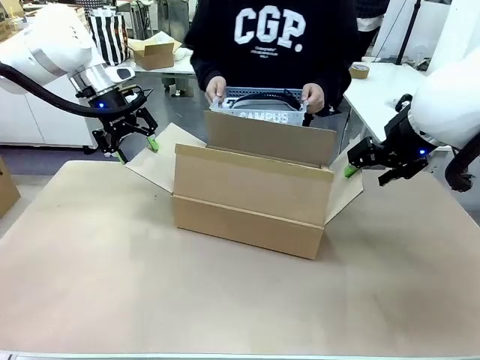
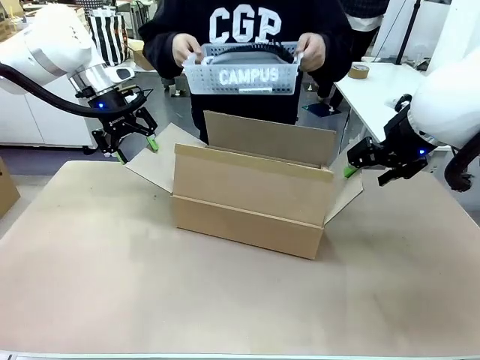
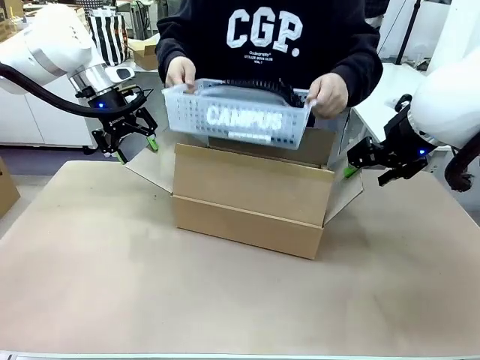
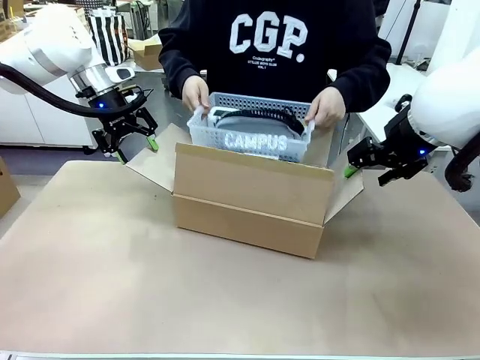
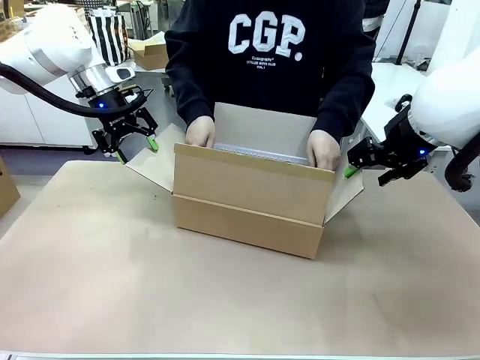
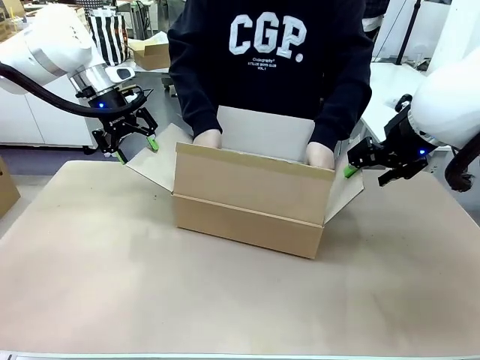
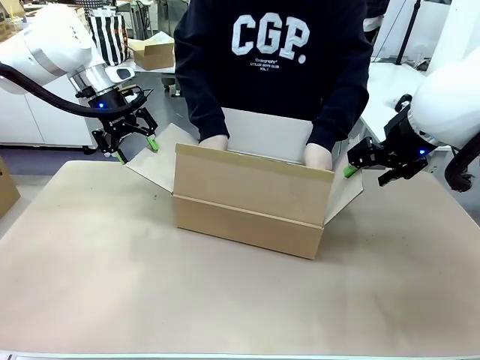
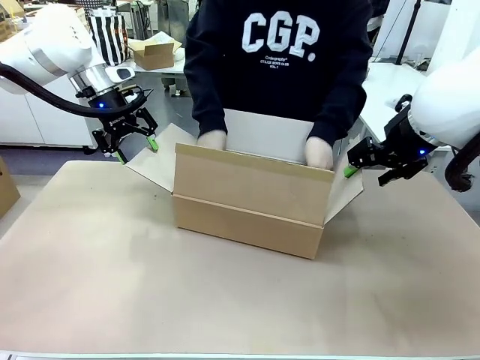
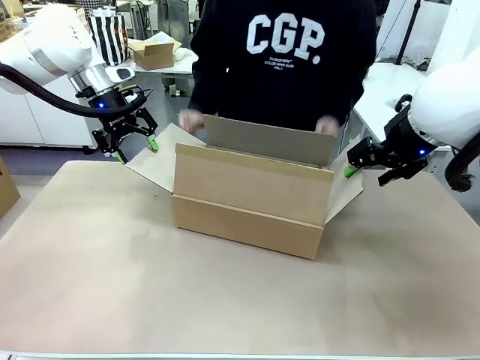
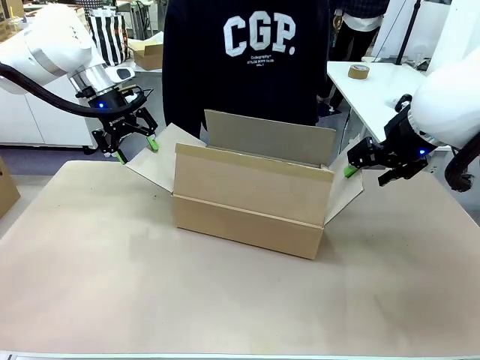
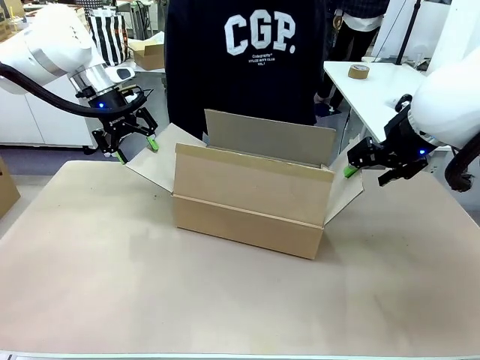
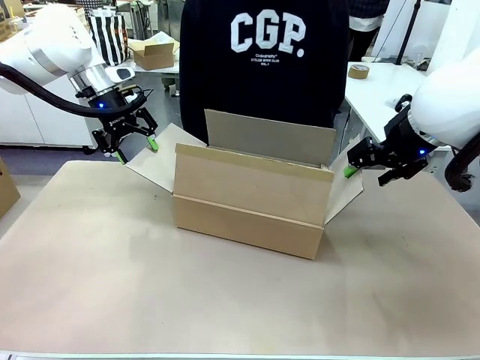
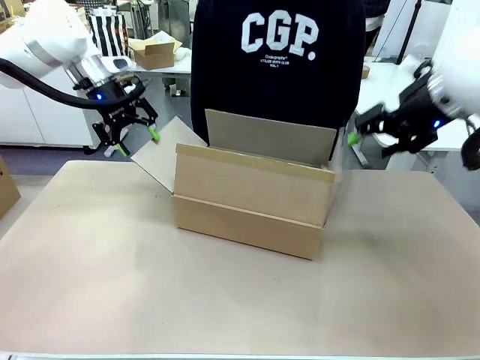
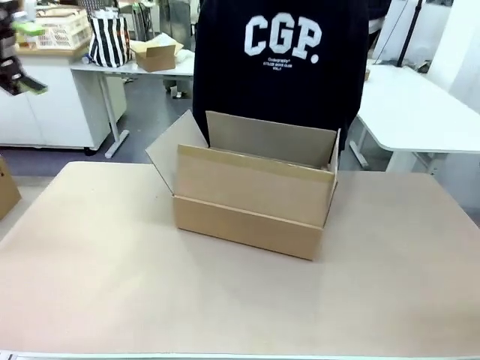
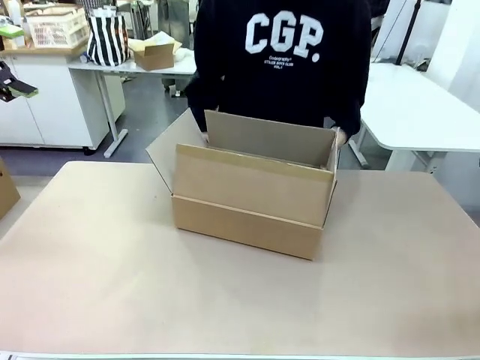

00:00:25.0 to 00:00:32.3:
Task: Pack the gift set into the box.
Robot: Lift both hands away from the flaps of the Package Box.

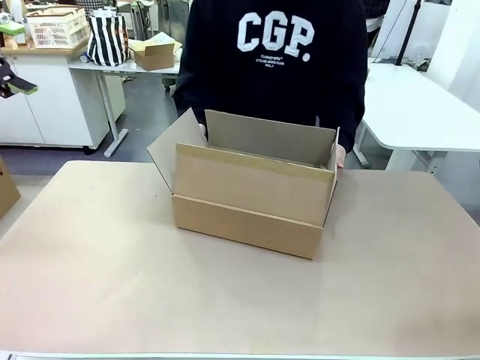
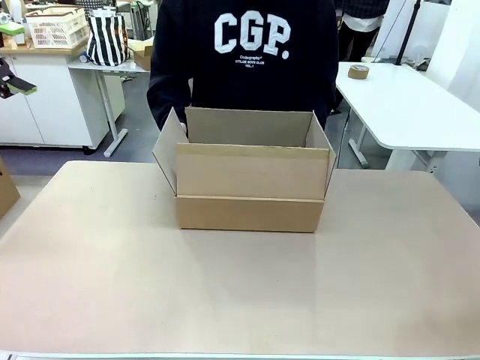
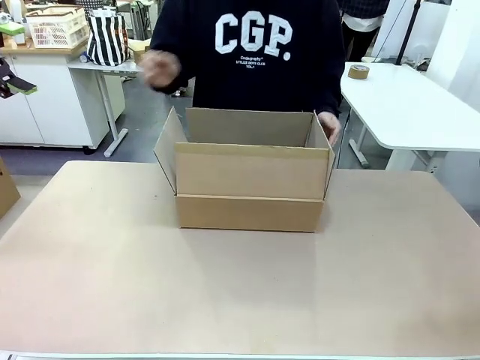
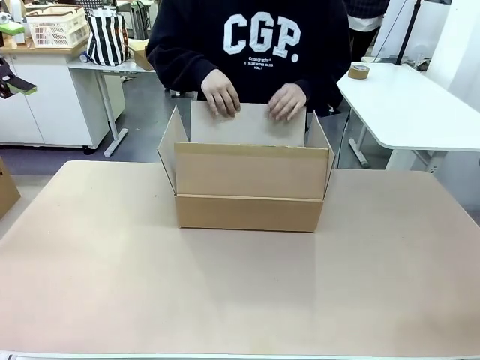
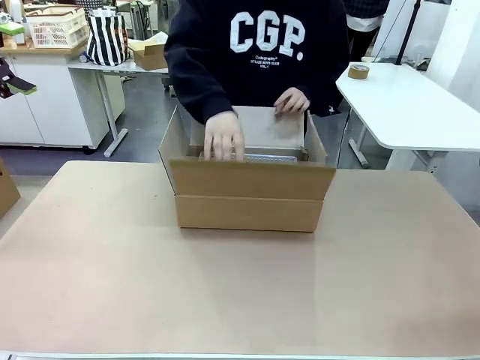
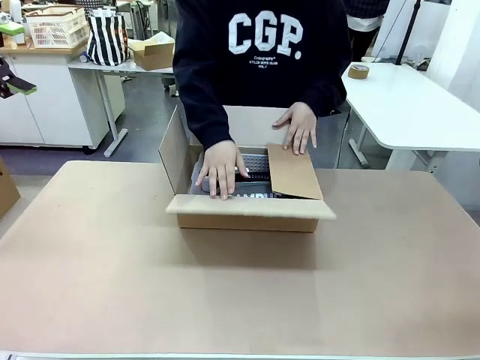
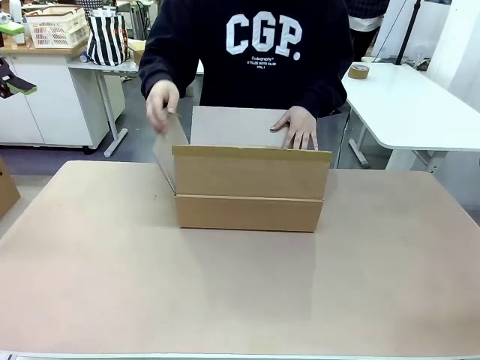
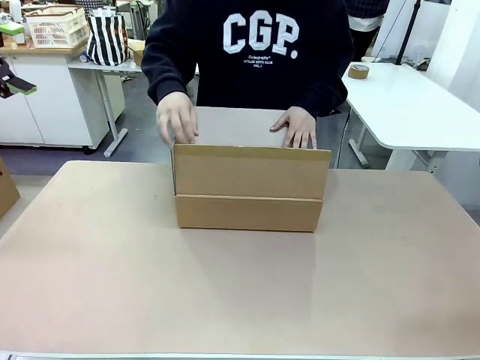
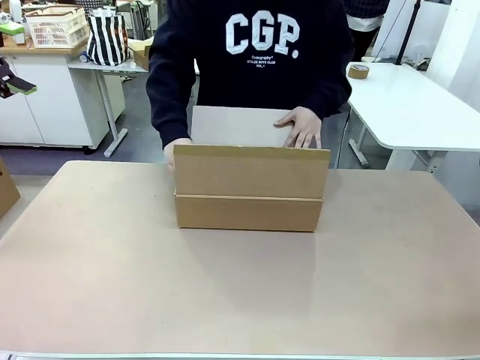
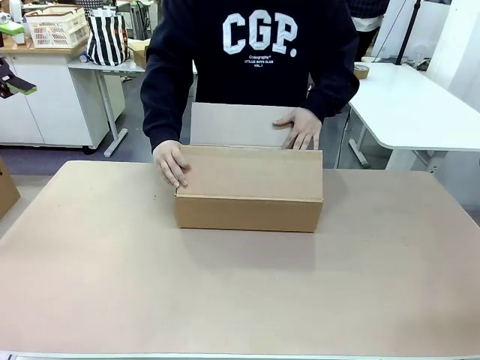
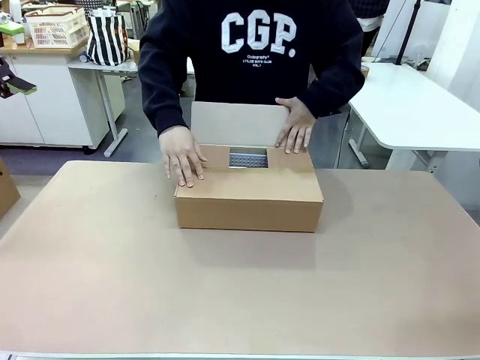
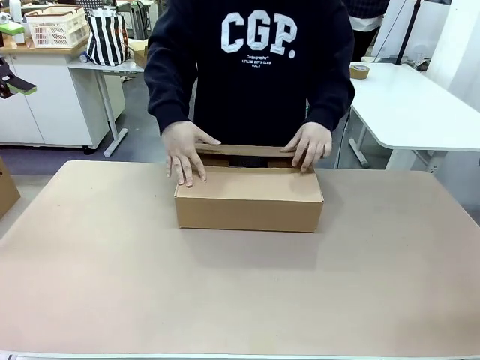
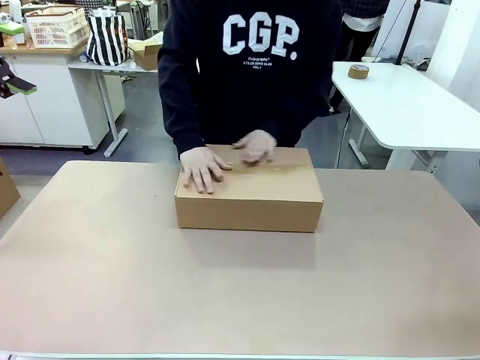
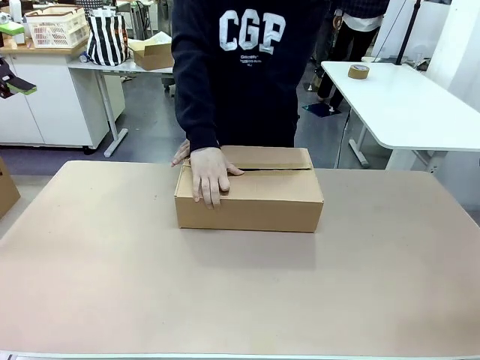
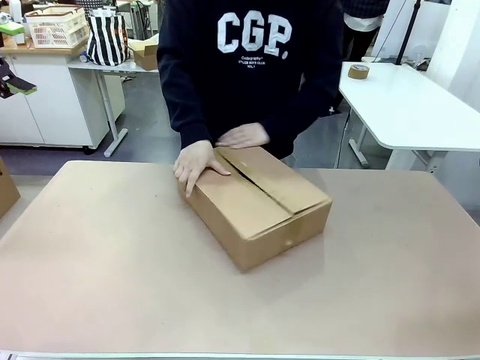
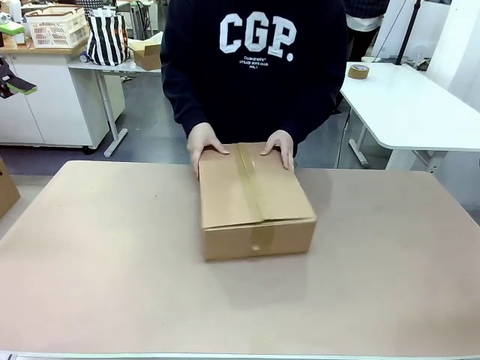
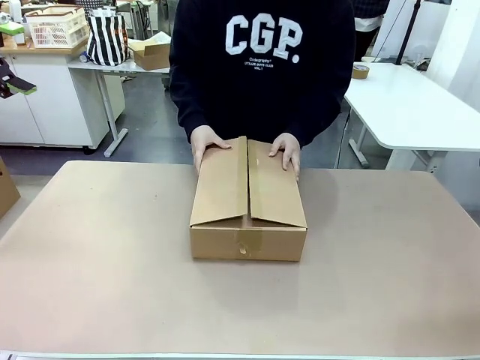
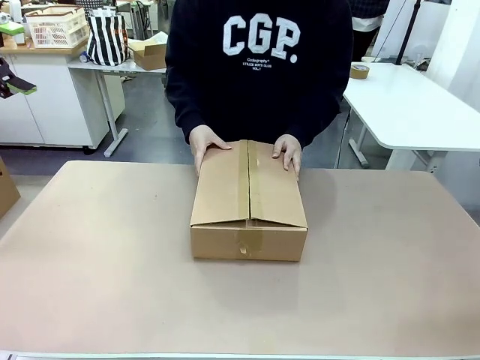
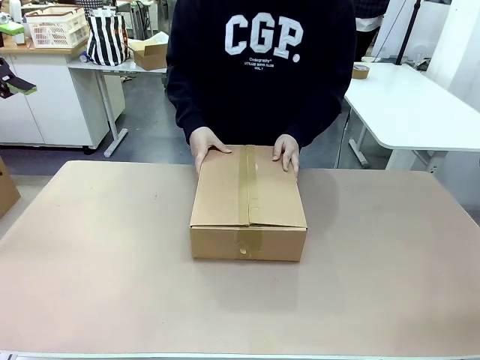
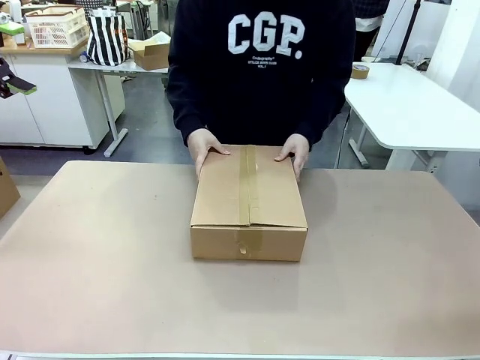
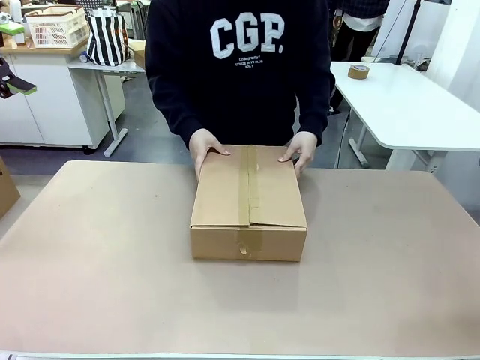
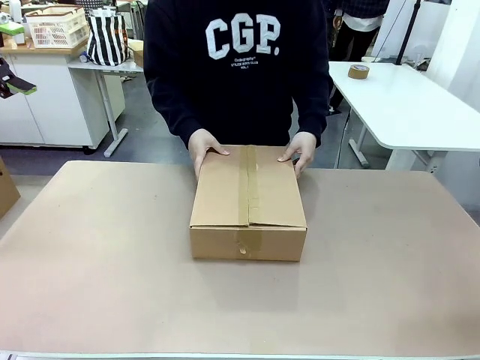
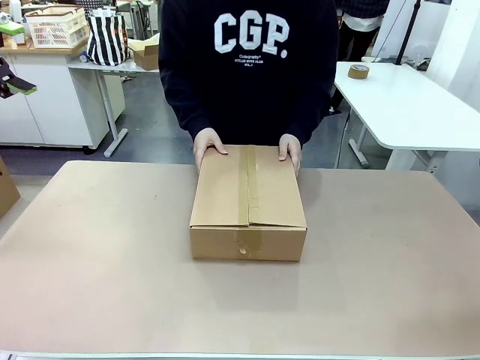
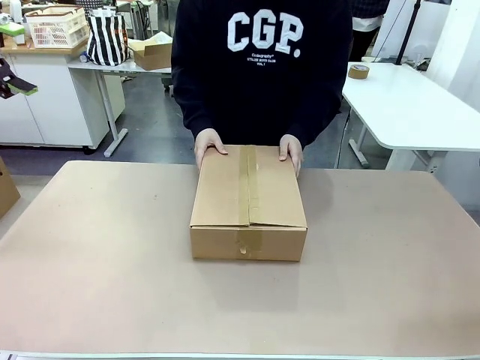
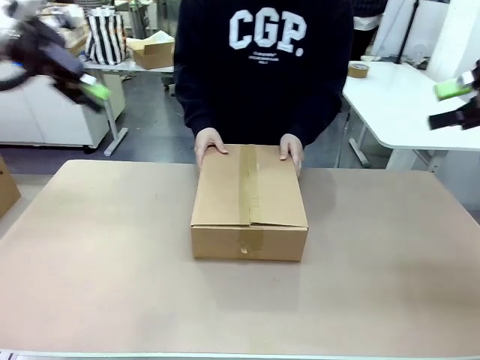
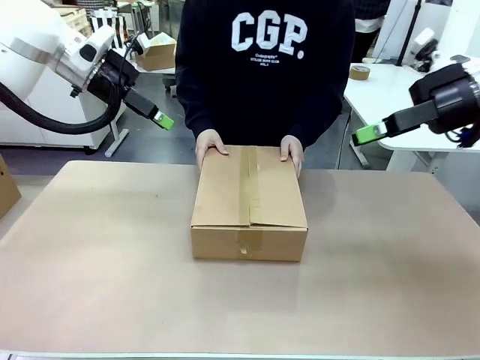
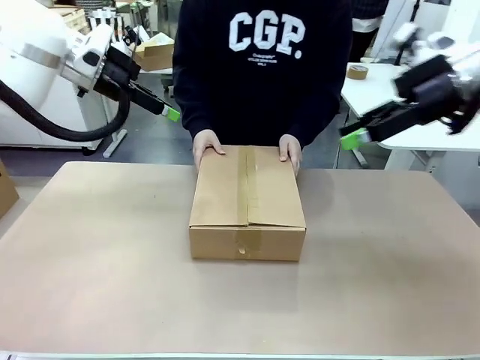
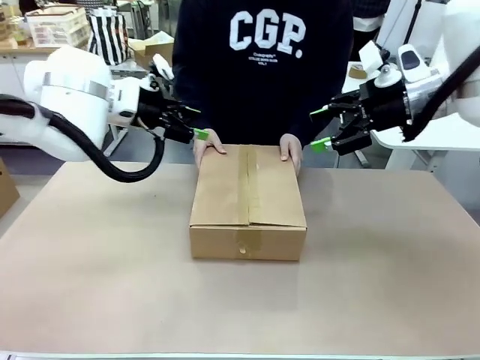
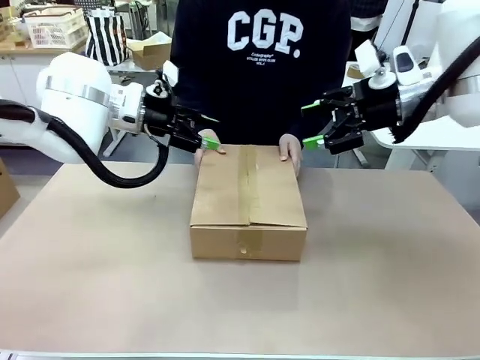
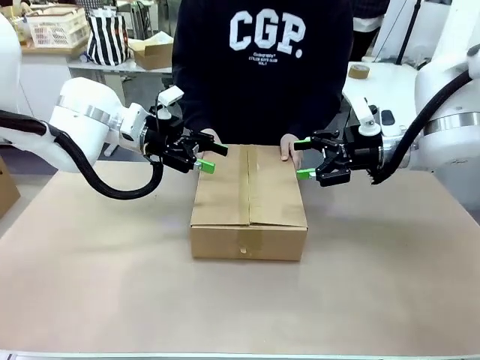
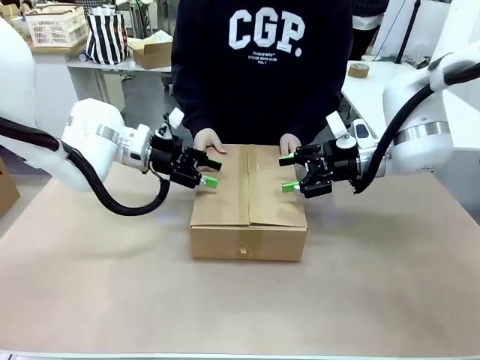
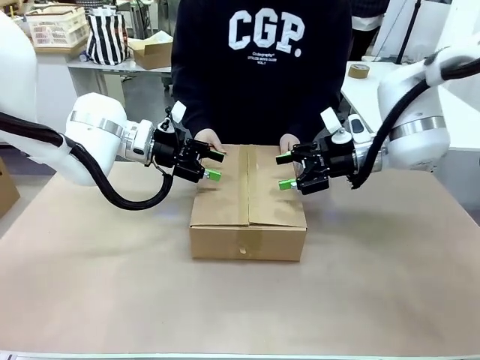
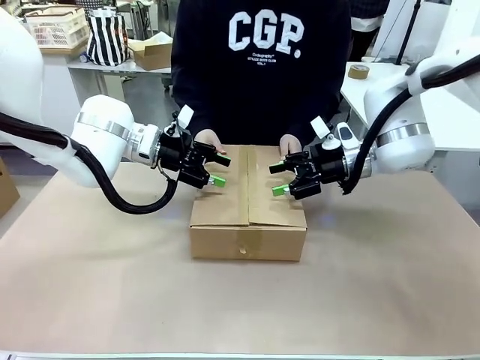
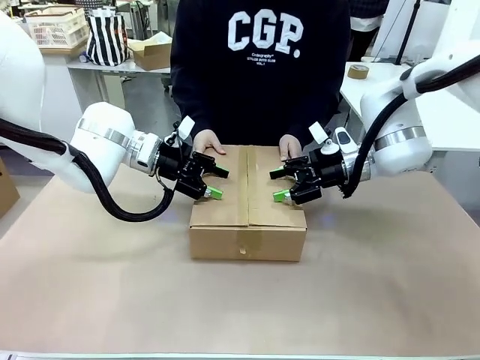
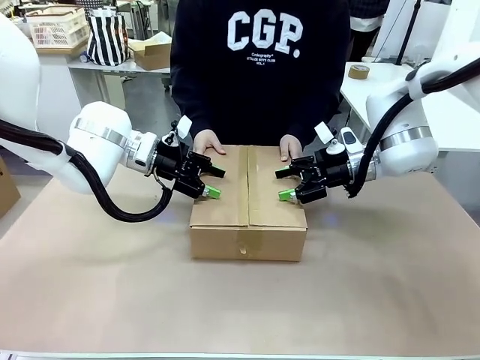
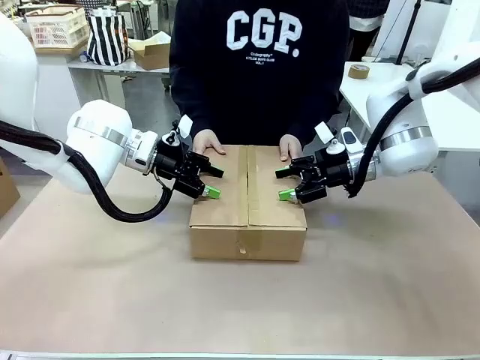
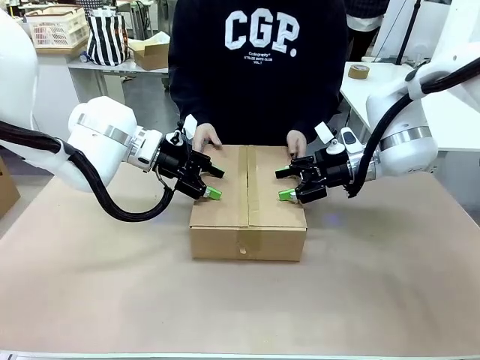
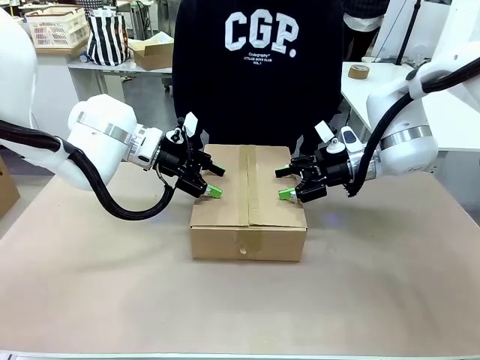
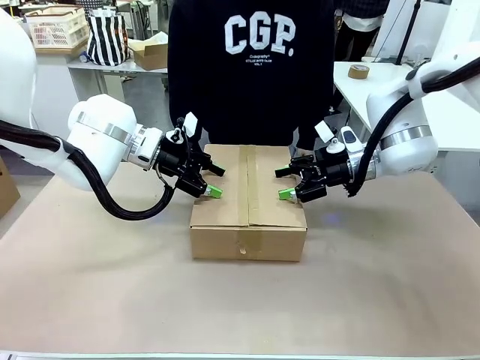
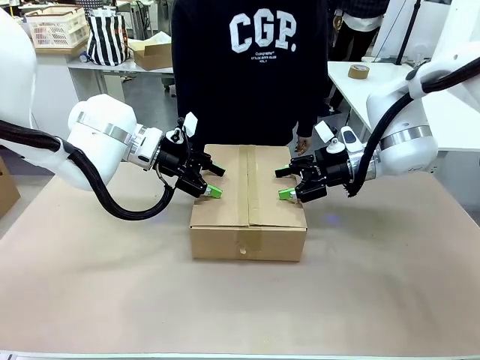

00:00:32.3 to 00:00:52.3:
Robot: Press and hold the closed box until the human finishes sealing it.
Person: The human closes the box and rotates the box by 90 degrees.
